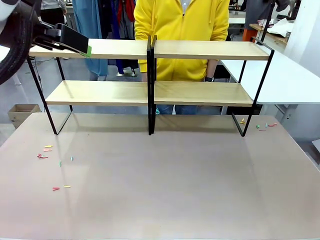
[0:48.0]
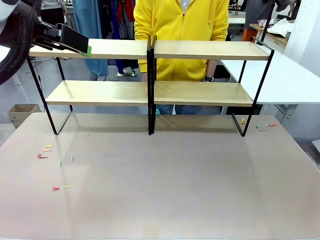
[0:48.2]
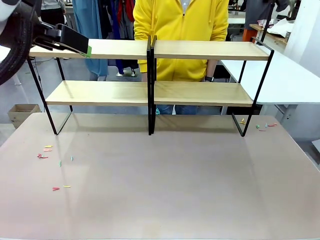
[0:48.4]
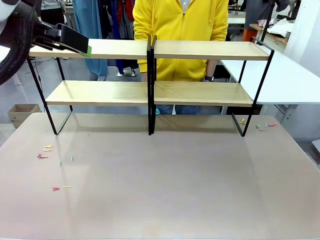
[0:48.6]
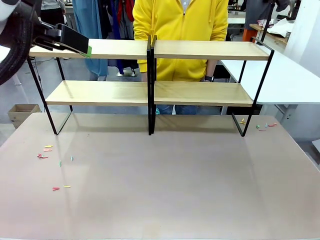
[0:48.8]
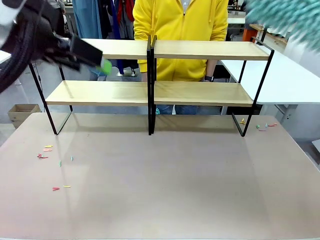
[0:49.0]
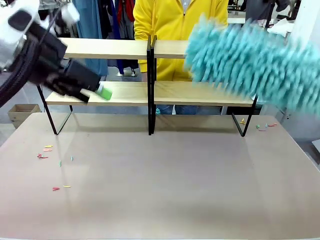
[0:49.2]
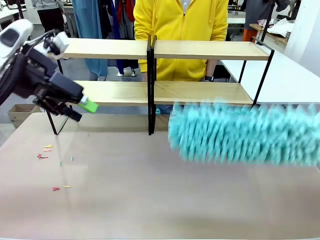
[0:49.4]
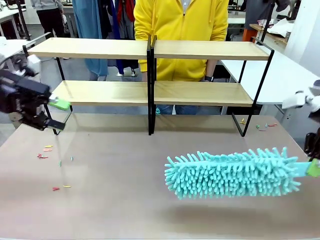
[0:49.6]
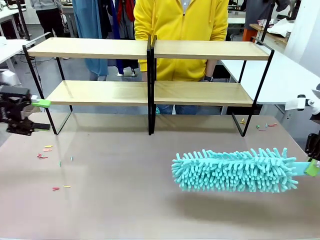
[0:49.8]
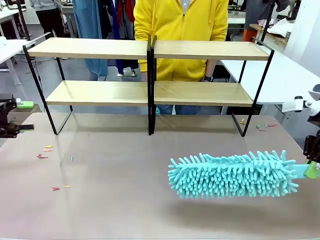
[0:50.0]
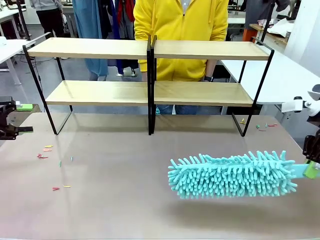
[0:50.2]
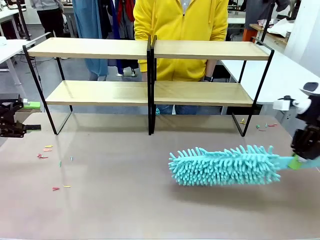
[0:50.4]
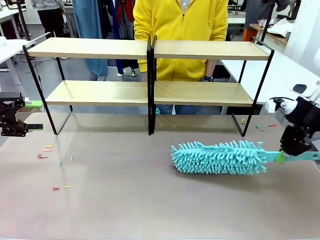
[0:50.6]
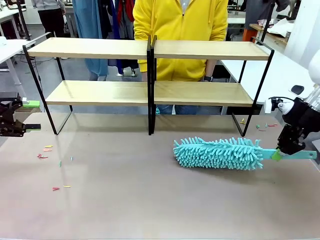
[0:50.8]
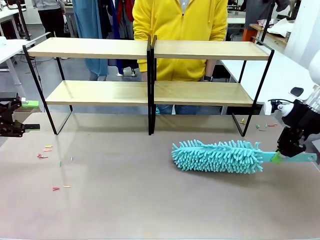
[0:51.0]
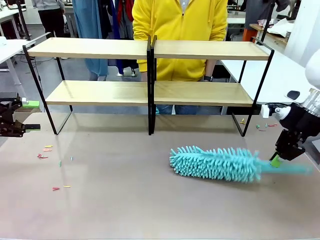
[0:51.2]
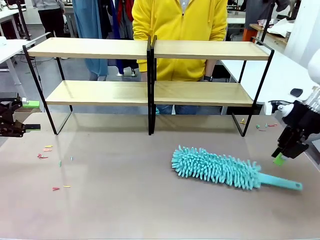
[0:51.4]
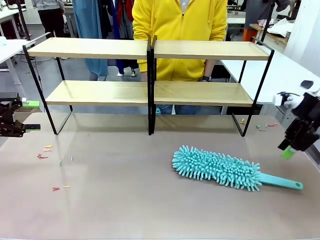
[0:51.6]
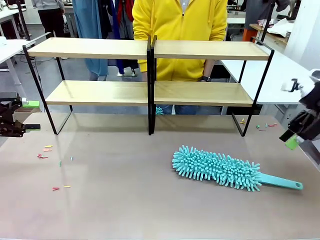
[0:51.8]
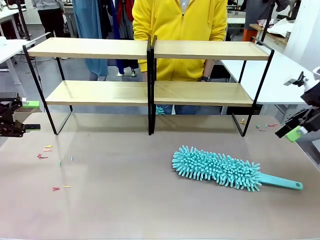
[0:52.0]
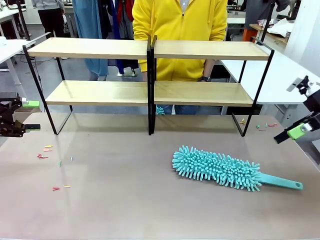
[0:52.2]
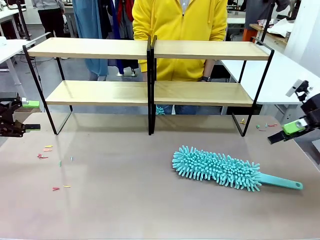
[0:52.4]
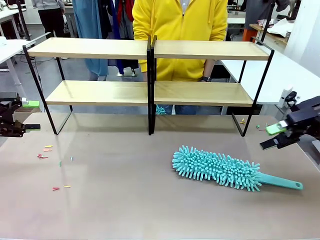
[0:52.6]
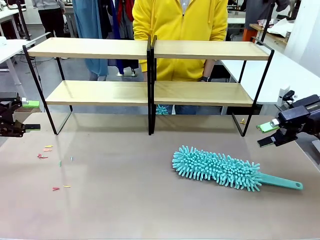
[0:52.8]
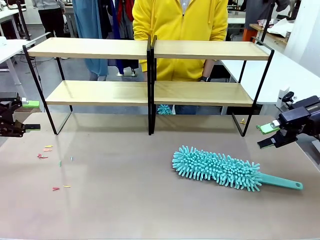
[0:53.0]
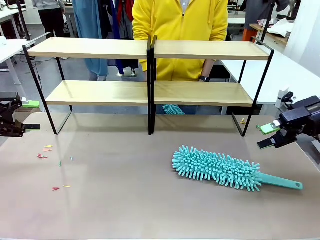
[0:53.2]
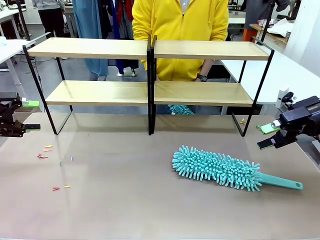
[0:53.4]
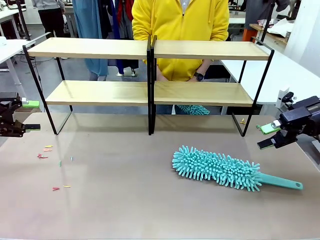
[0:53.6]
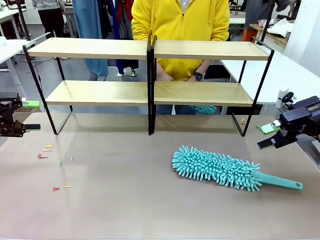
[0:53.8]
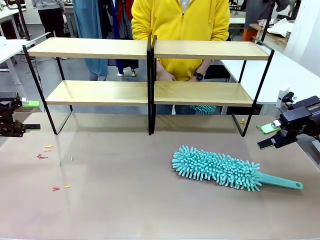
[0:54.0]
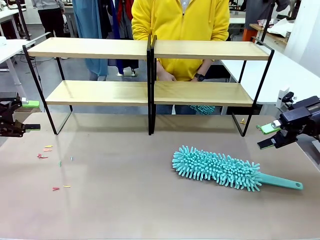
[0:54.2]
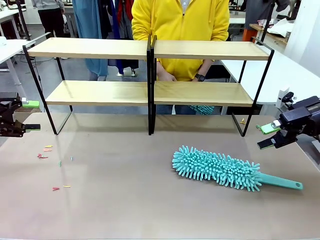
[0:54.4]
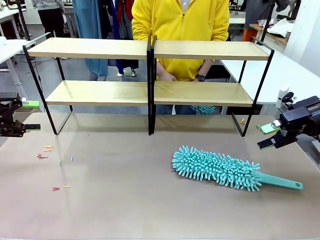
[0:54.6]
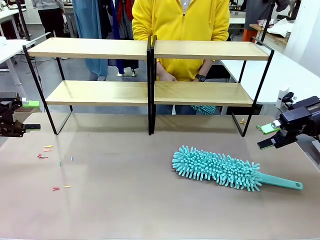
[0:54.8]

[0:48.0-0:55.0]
Task: Clean the shelves.
Robot: Place the Duster on the table.

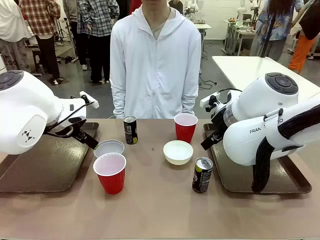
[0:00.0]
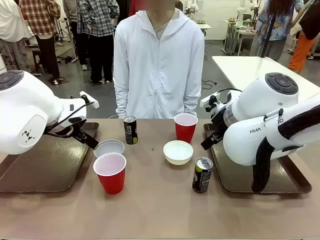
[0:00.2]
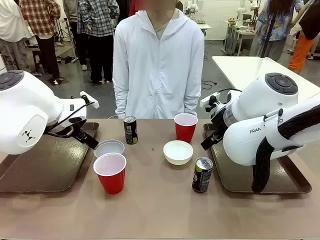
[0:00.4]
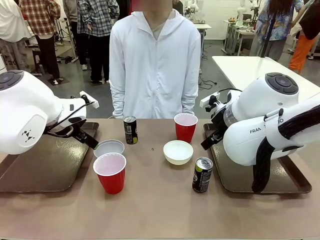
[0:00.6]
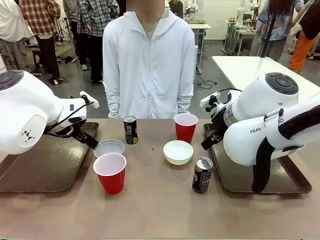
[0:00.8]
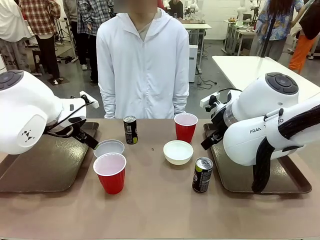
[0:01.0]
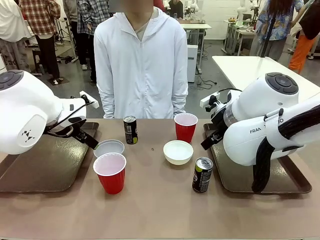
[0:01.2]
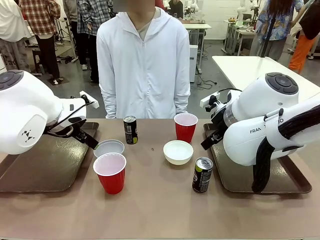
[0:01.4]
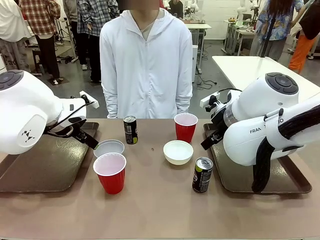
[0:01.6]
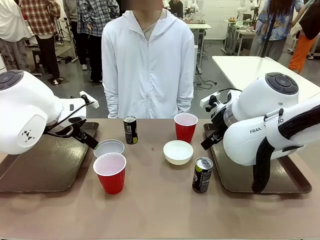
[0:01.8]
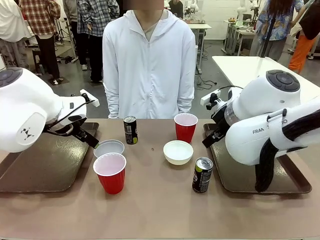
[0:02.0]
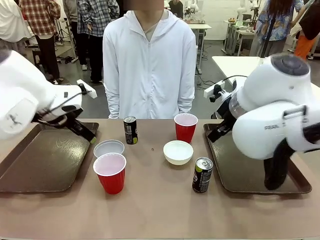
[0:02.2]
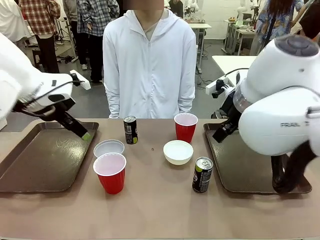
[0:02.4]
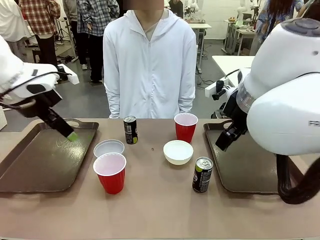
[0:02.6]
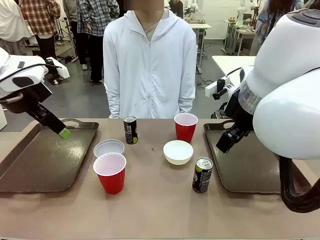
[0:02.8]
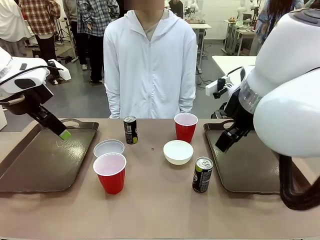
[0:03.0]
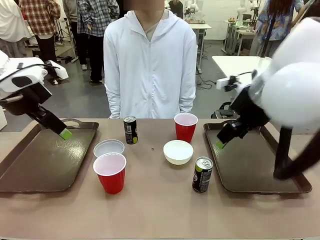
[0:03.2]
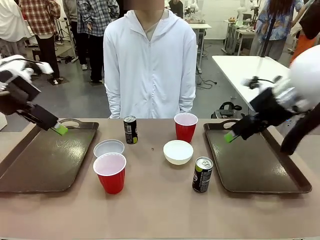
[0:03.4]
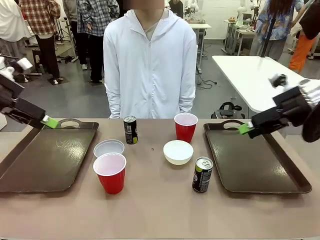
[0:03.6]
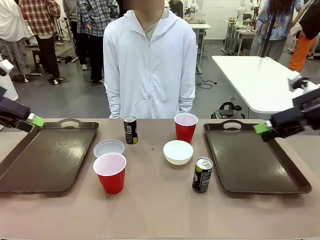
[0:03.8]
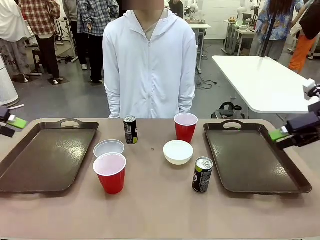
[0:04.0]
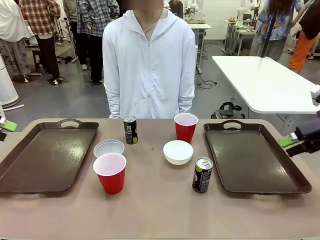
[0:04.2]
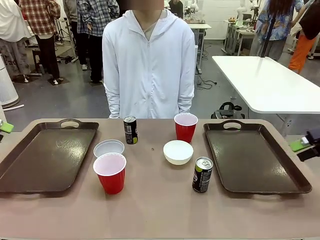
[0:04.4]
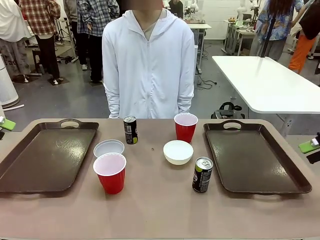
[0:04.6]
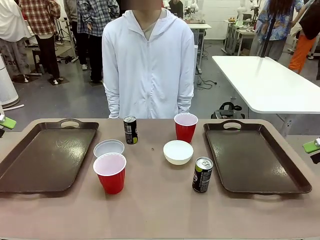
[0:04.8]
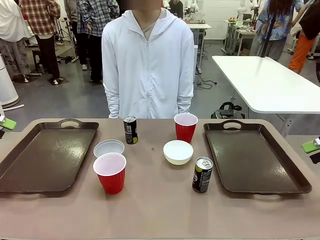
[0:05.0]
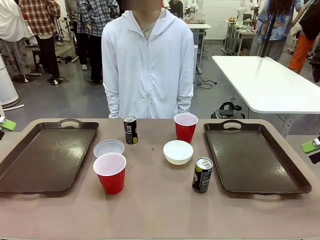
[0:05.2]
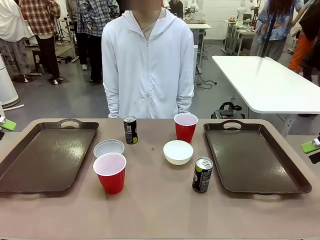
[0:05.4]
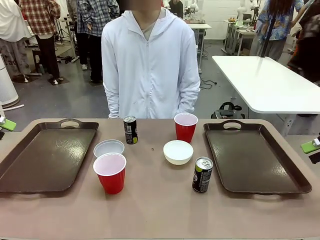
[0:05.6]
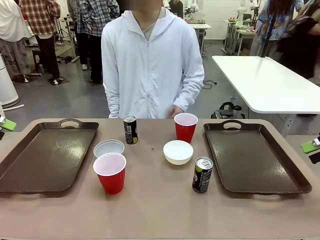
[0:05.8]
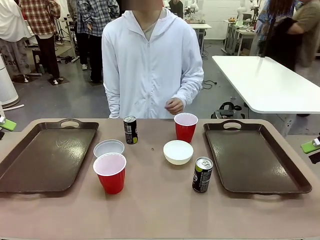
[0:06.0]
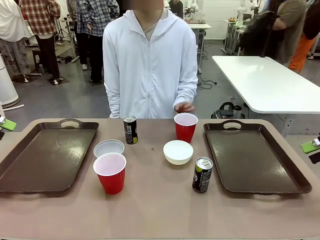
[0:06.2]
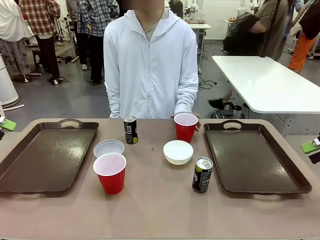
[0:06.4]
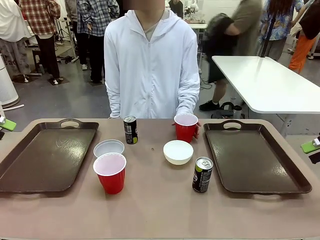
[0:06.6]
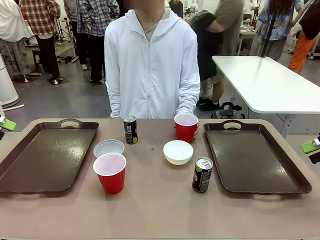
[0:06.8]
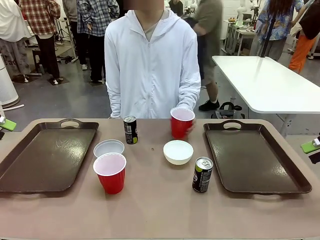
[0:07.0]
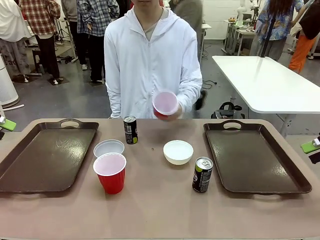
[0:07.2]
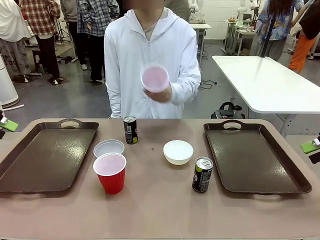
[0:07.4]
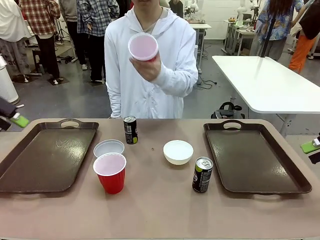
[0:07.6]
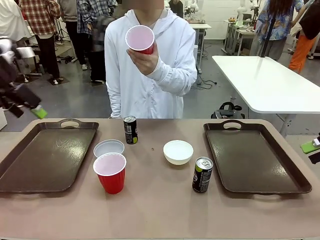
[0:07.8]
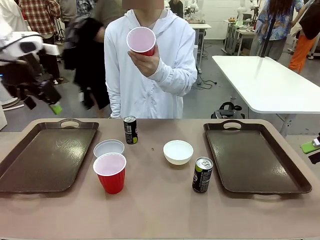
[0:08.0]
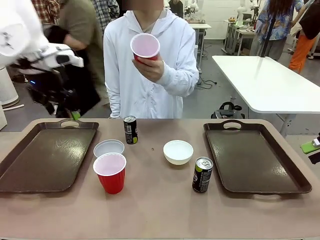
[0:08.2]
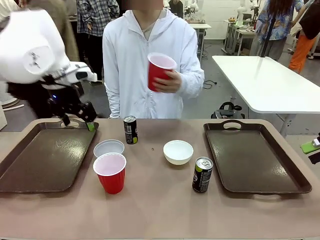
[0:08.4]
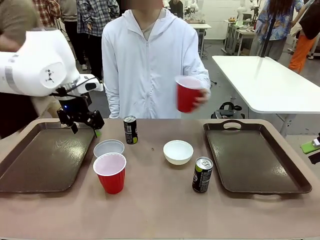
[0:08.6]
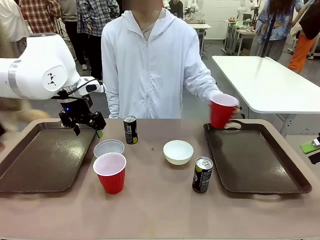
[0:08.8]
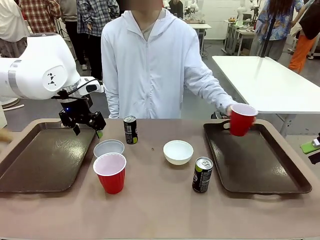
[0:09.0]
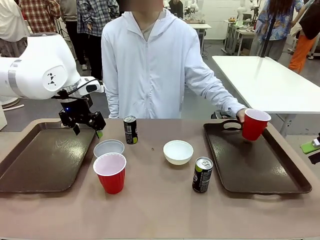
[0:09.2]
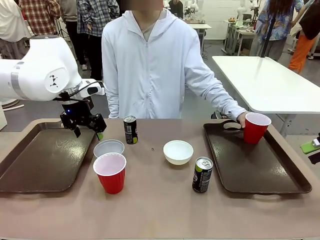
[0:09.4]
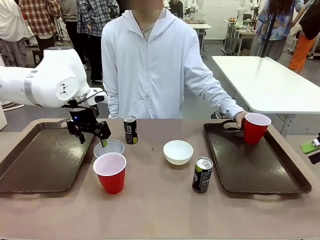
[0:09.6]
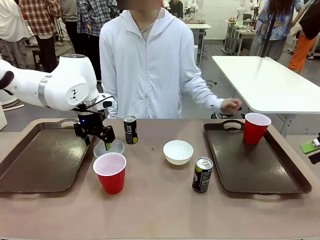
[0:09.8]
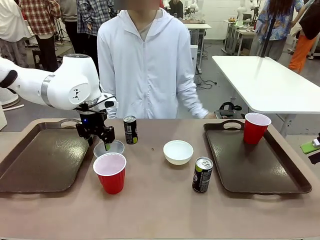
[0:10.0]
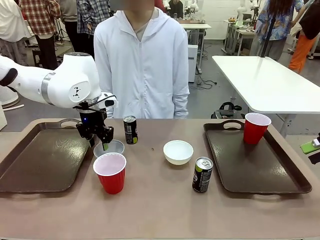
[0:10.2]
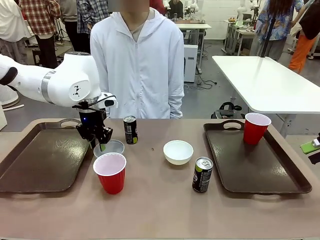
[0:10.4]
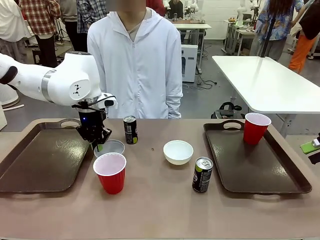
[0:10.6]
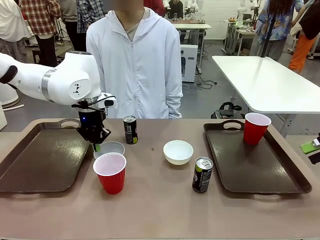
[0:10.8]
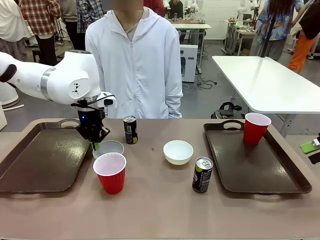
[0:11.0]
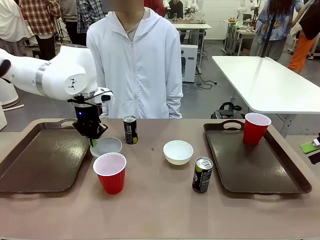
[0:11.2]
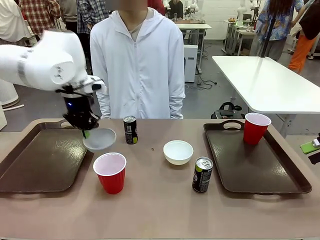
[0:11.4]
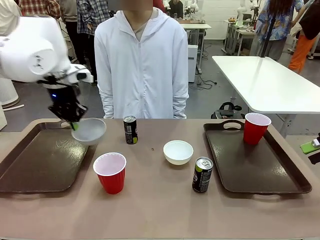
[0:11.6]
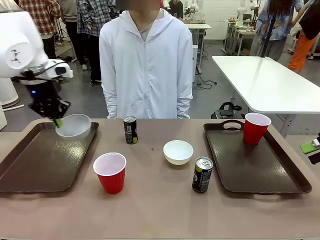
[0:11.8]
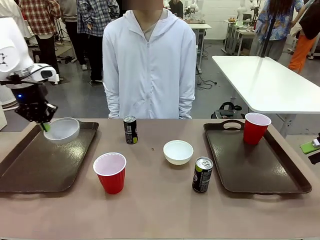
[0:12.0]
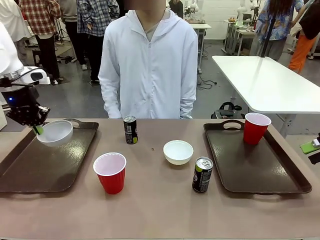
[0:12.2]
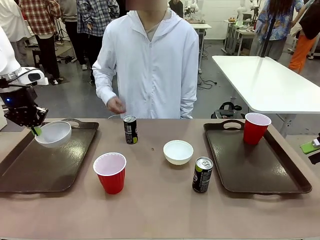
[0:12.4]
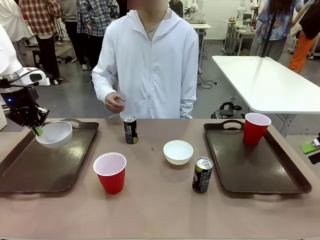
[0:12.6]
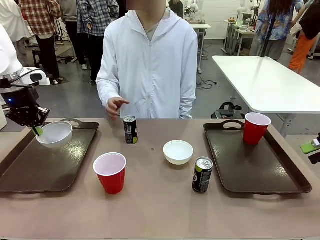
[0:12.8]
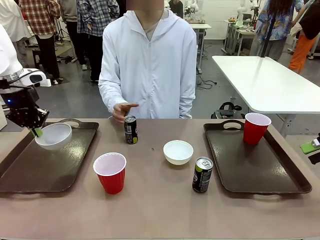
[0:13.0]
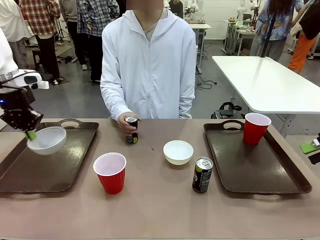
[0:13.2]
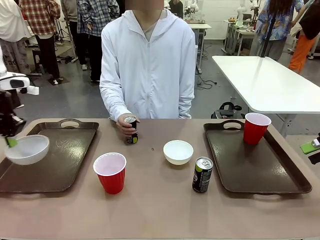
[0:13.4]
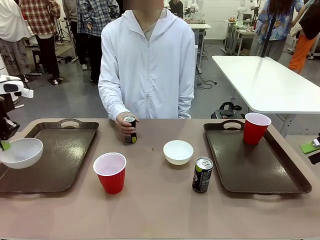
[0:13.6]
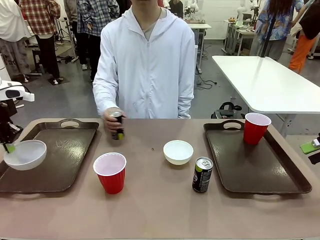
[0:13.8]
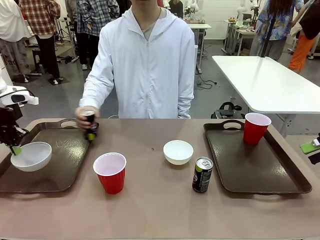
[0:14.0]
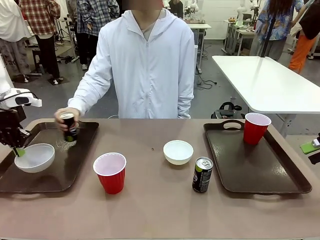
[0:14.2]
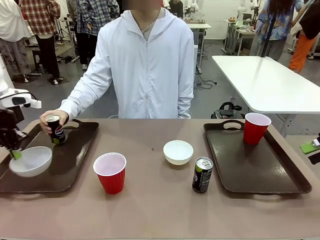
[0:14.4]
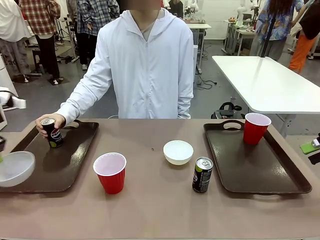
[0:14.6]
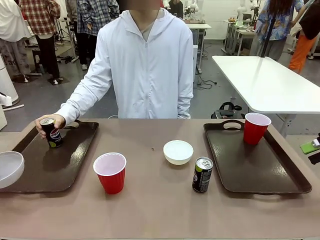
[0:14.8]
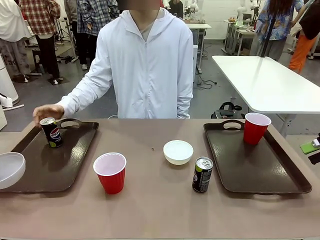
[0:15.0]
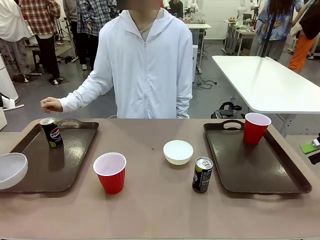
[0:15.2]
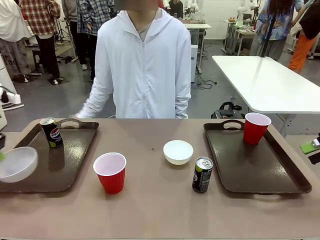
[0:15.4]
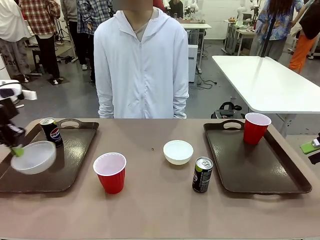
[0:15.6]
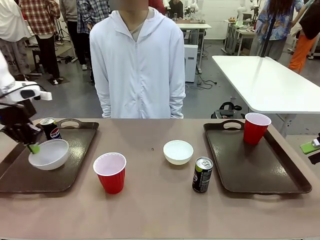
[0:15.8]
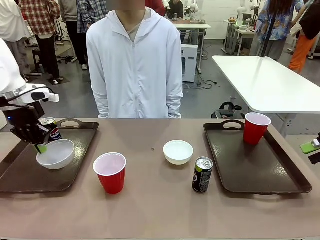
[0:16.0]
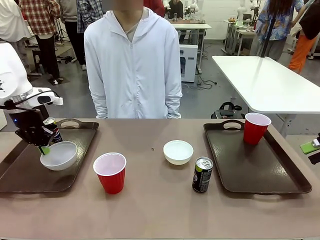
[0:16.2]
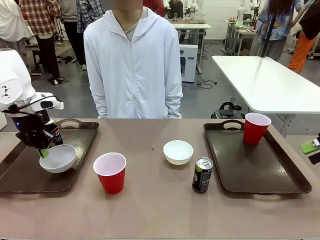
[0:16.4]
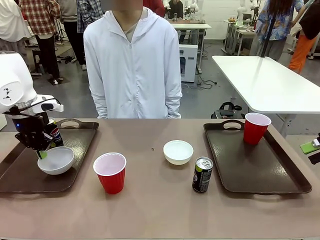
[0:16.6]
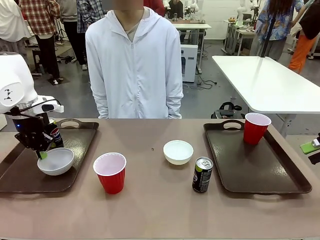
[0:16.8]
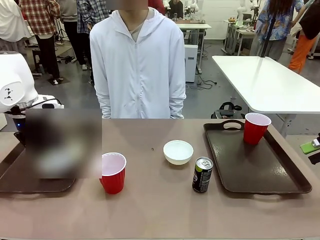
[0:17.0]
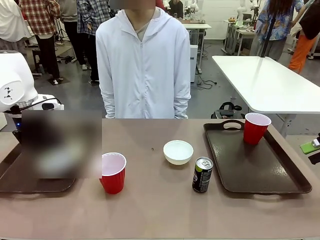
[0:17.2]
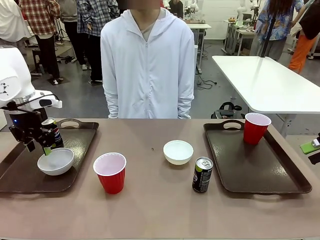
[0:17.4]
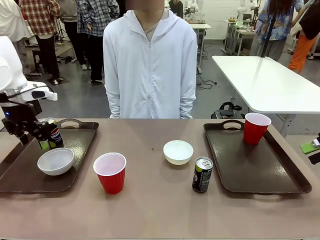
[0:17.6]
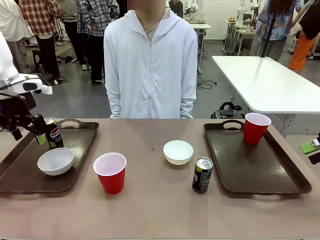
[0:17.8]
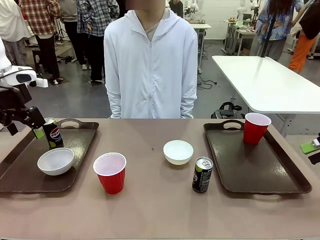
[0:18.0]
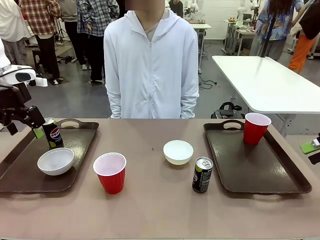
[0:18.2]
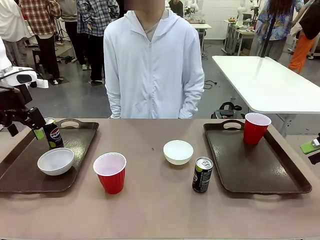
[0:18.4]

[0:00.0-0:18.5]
Task: Prepare tableware on both trays.
Robot: Pick up a Picnic Bowl from the table and place it on a Handle tray.
Person: Pick up a can or cup and place it on the tray.
